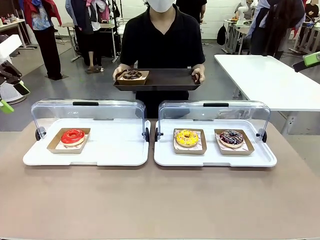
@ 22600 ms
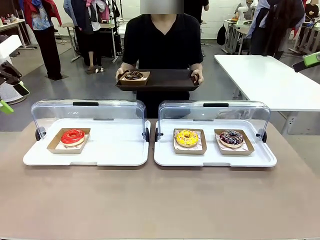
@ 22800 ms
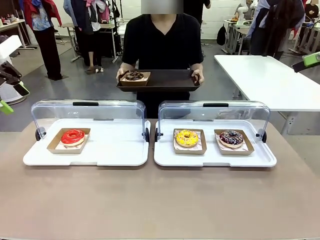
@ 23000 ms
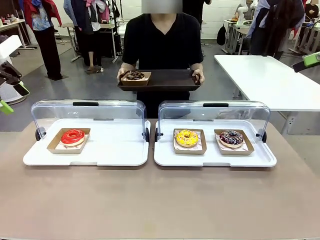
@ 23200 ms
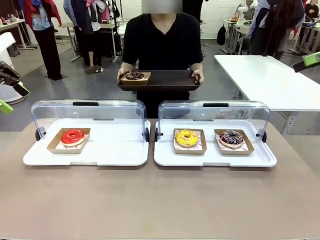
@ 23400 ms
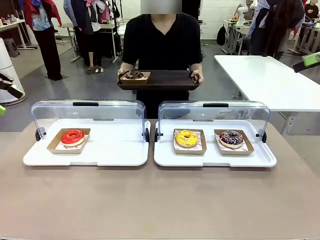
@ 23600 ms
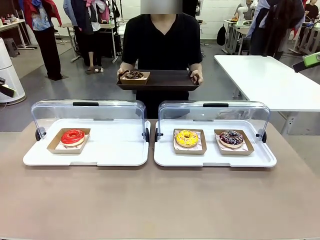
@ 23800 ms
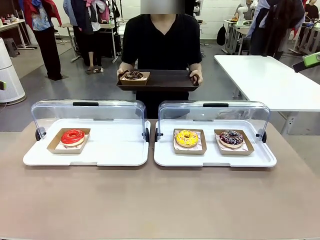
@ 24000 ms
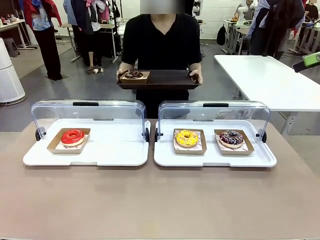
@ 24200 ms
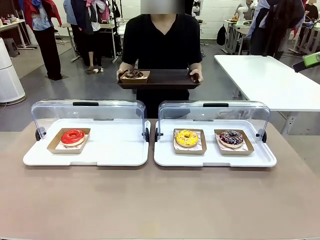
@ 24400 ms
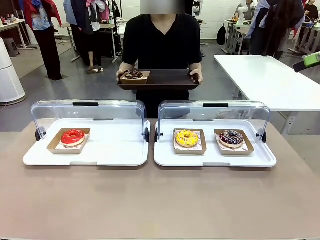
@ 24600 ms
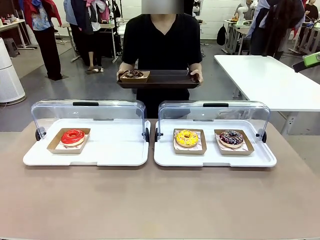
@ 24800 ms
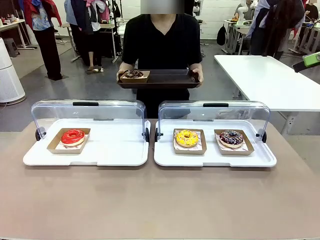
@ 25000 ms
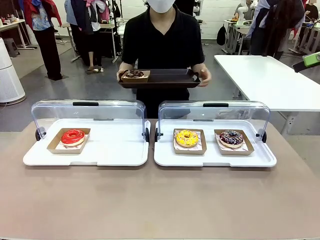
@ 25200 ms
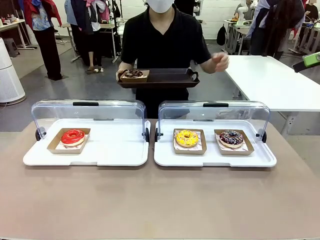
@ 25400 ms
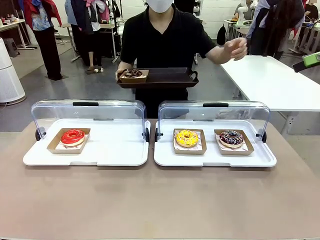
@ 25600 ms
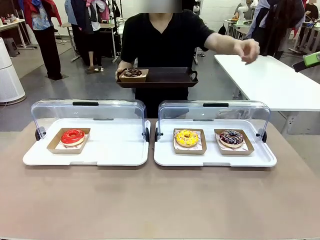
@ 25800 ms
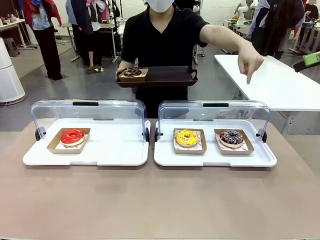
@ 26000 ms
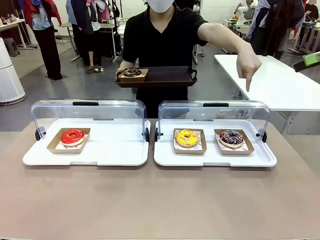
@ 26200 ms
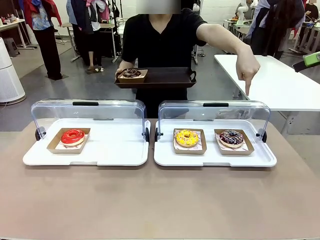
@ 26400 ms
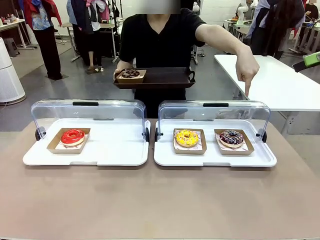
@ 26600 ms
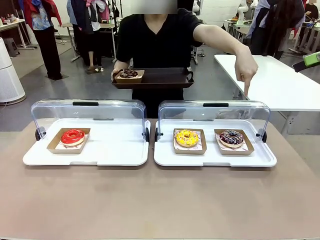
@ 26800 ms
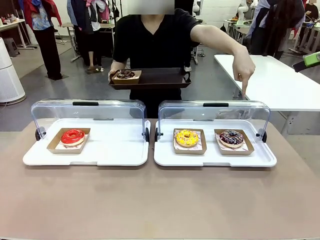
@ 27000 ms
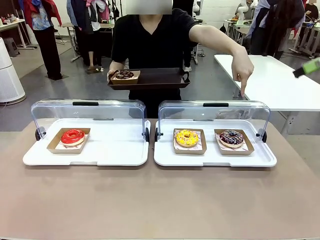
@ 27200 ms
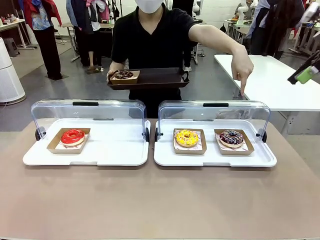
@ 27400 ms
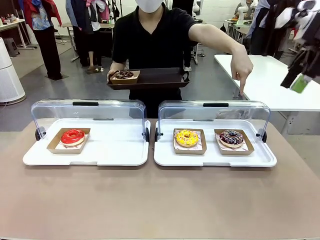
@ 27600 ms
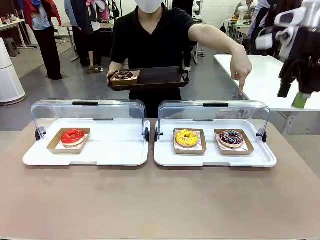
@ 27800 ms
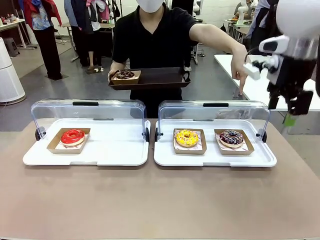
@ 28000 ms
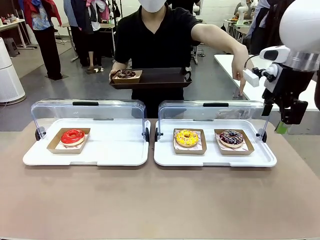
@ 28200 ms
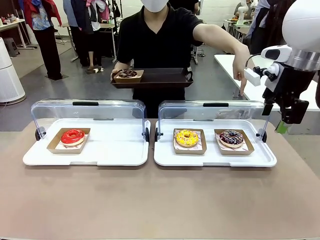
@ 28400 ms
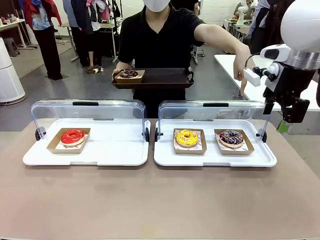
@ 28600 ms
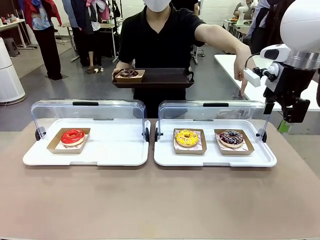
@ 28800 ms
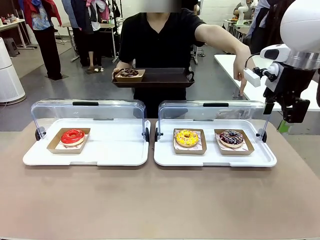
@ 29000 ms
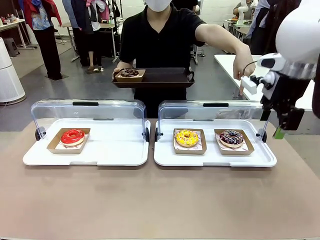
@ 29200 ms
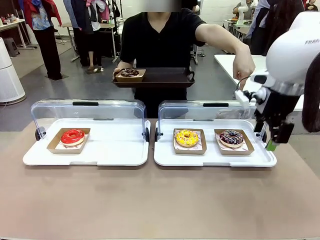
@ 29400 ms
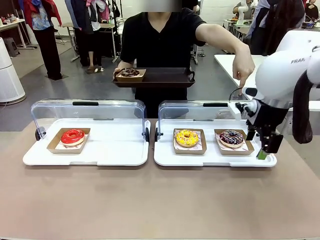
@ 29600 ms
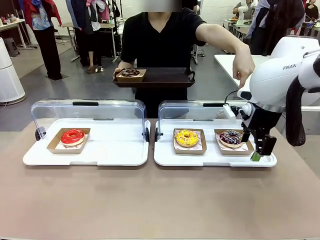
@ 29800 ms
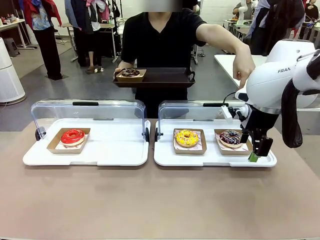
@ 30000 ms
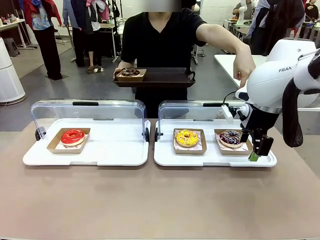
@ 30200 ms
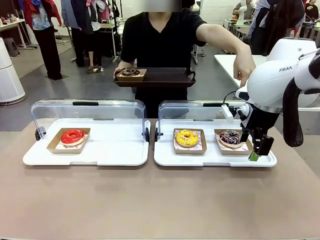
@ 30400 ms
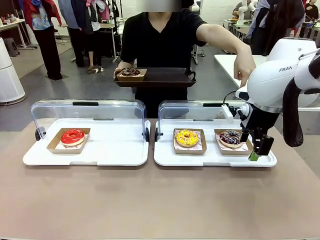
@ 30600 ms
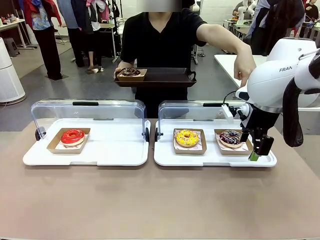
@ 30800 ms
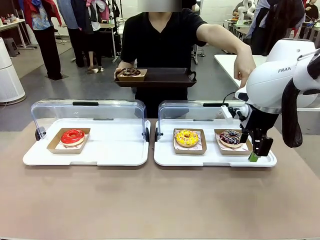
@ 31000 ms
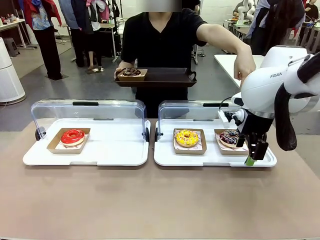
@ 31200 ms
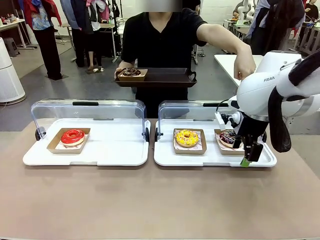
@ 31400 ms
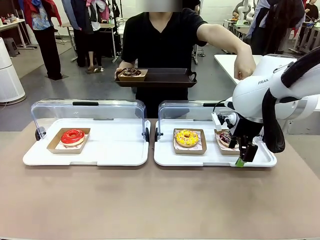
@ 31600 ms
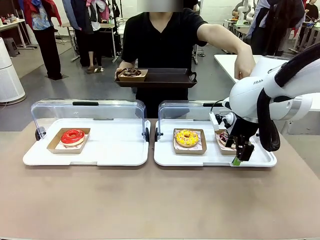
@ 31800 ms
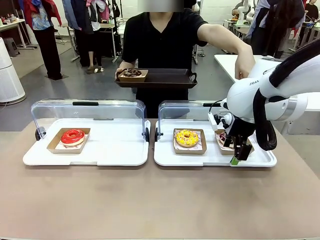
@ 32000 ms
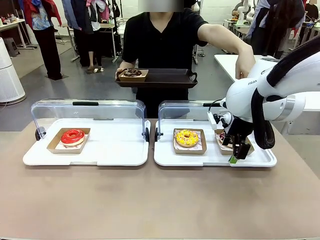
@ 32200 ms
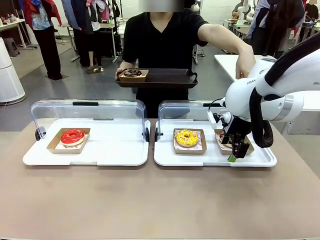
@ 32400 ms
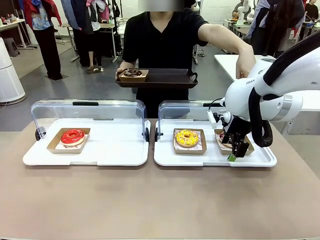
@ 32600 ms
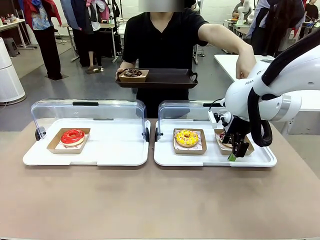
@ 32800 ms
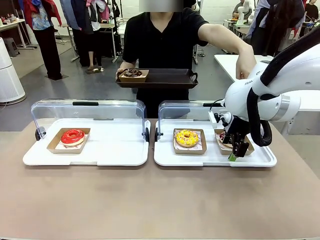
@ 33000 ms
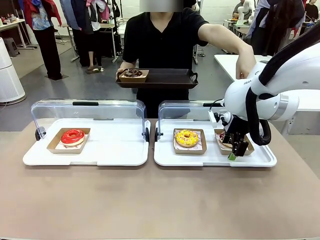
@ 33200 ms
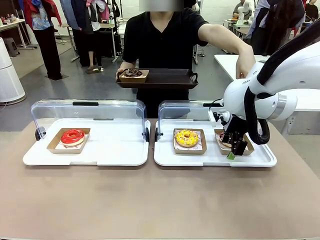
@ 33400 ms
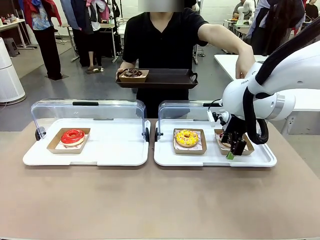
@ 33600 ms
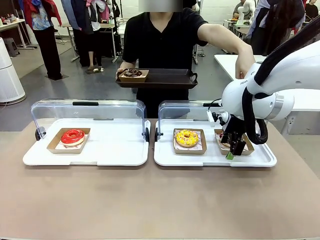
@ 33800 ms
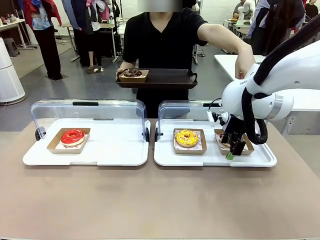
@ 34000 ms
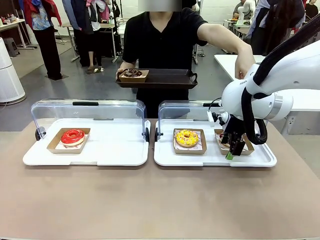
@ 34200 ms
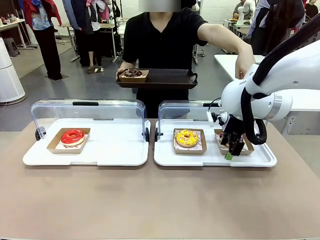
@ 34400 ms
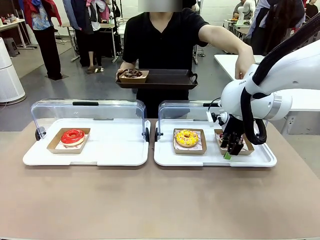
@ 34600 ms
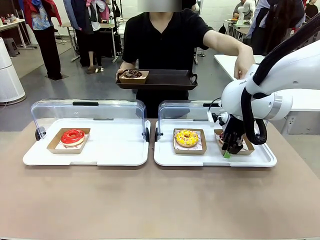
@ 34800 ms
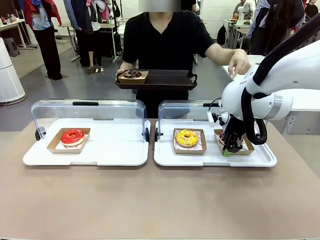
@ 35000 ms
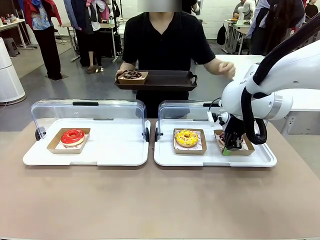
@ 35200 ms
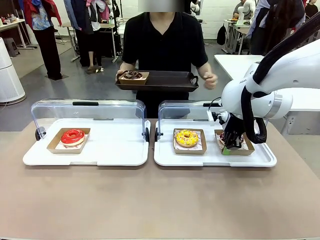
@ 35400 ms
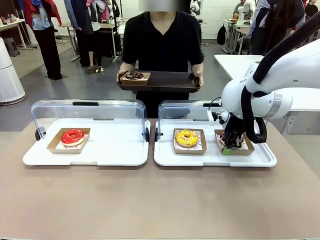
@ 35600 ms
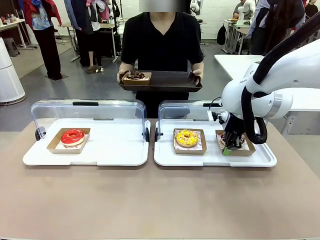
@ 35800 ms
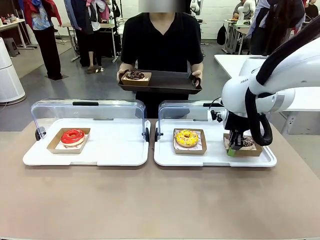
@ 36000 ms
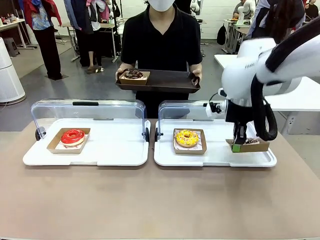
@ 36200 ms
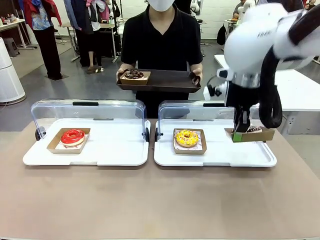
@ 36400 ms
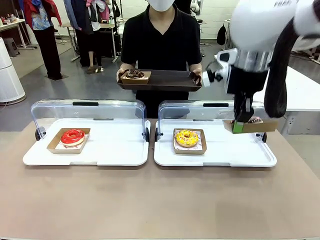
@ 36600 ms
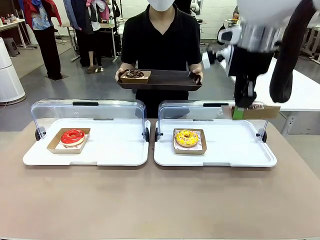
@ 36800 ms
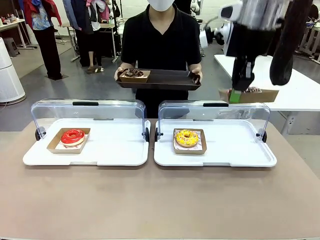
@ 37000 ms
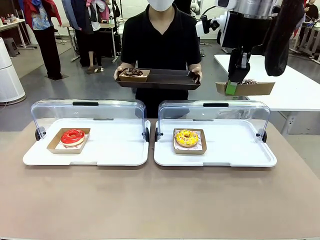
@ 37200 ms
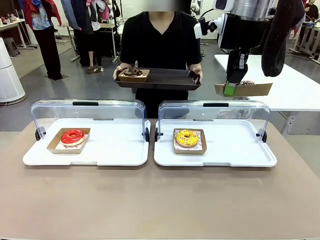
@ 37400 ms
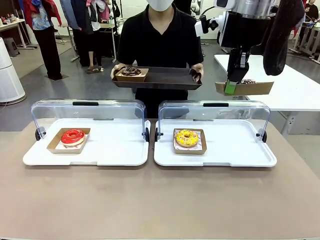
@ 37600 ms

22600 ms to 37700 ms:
Task: Provide the desired donut to the person.
Robot: Pick up and lift the Paper togo box containing the Donut pointed at by the person.
Person: Point to one donut. Lift the tray onto the Roll-Top Bakery Case.
